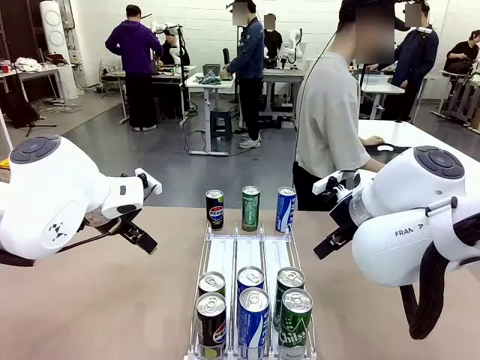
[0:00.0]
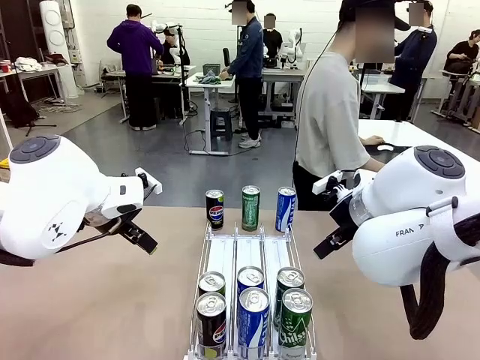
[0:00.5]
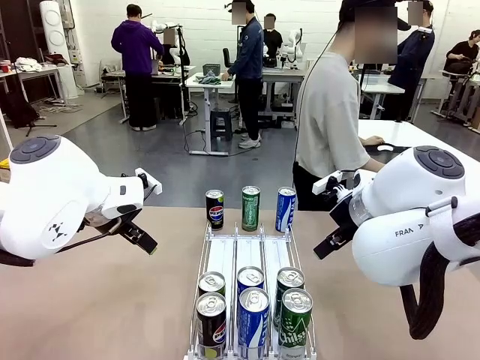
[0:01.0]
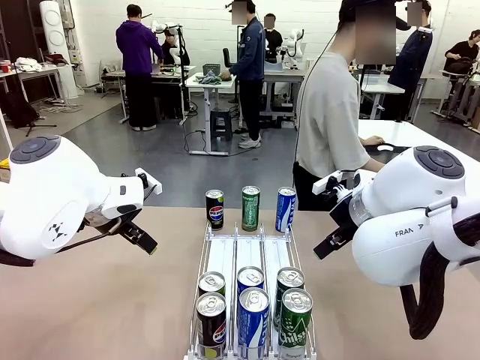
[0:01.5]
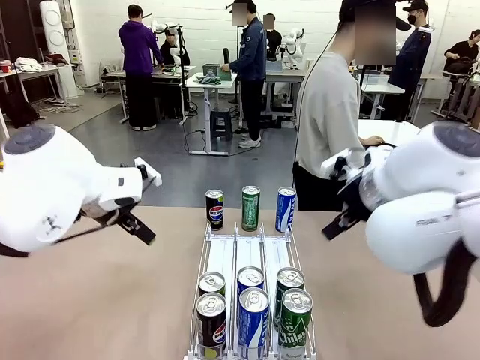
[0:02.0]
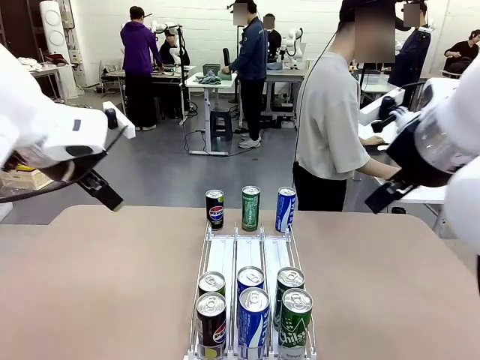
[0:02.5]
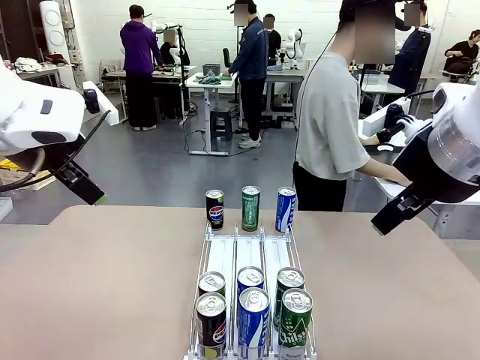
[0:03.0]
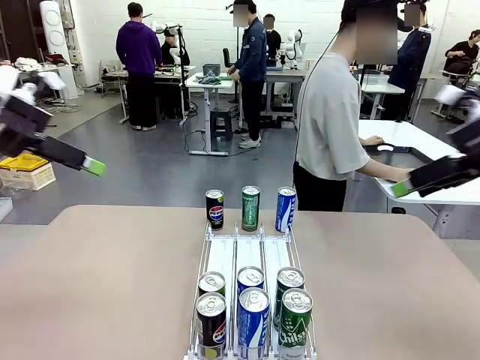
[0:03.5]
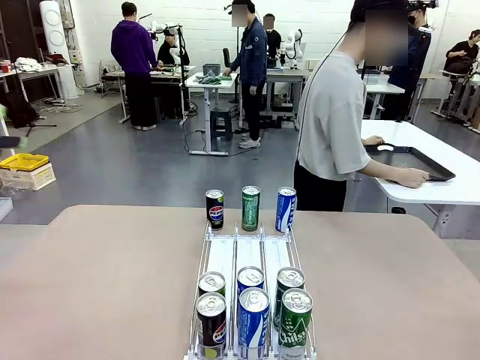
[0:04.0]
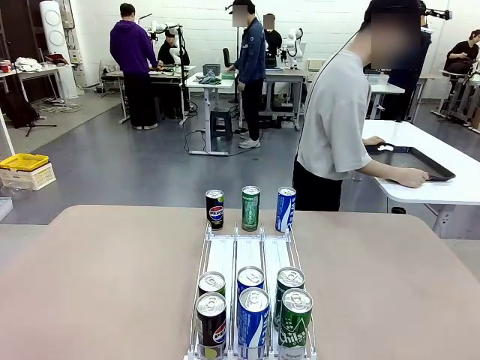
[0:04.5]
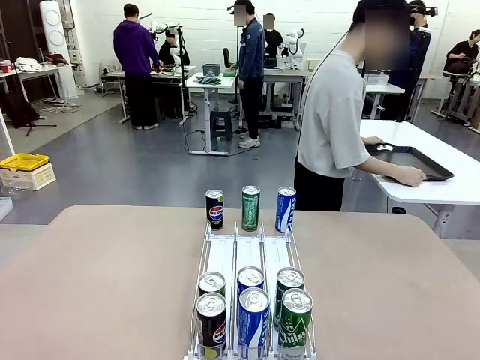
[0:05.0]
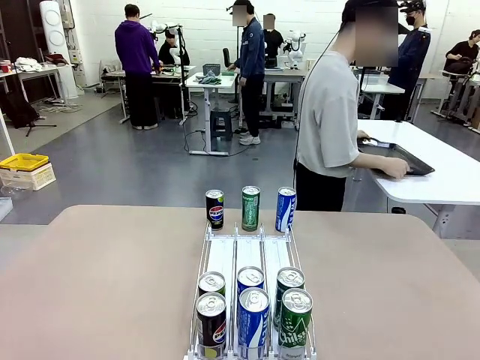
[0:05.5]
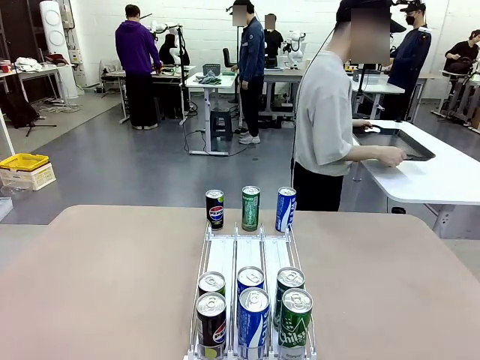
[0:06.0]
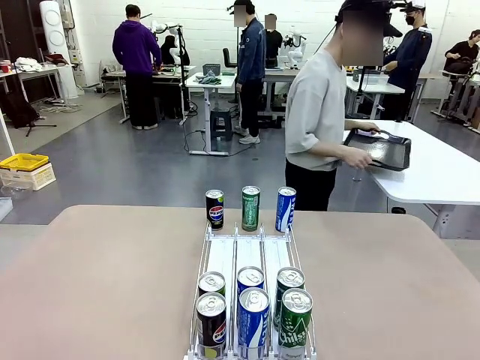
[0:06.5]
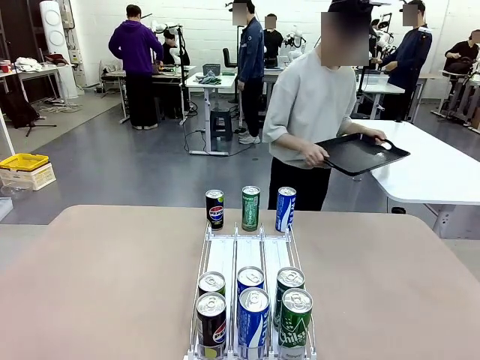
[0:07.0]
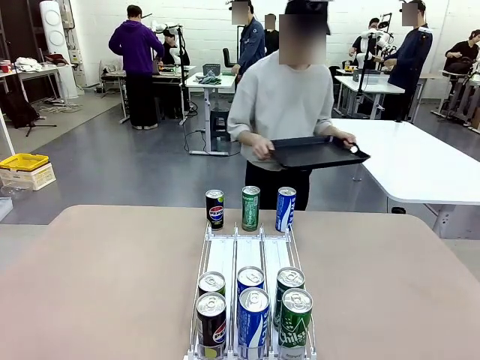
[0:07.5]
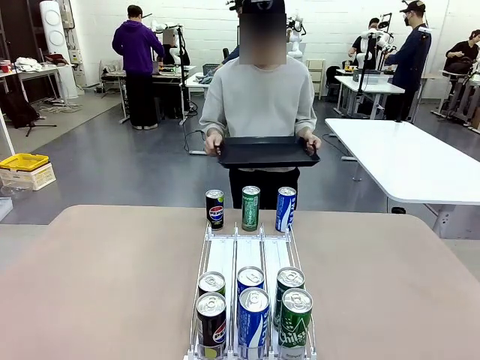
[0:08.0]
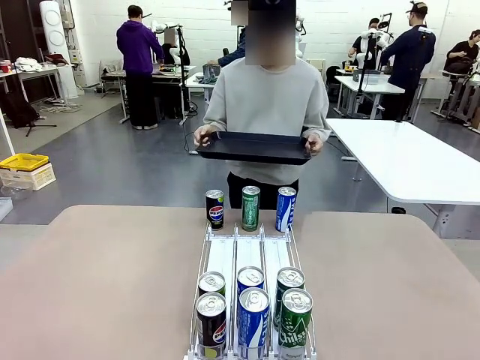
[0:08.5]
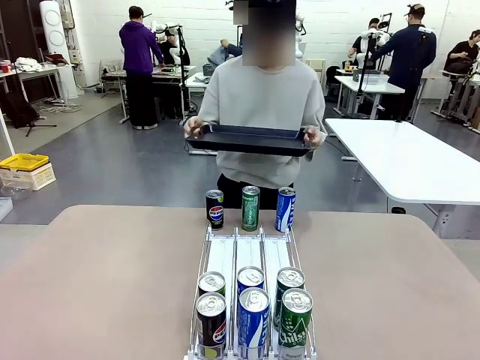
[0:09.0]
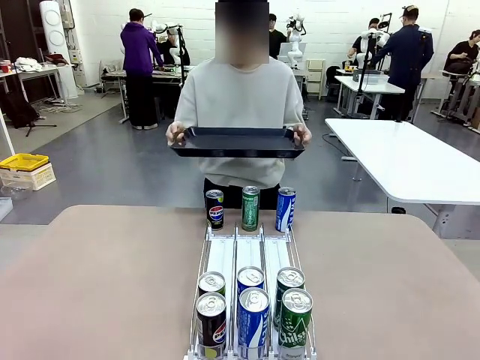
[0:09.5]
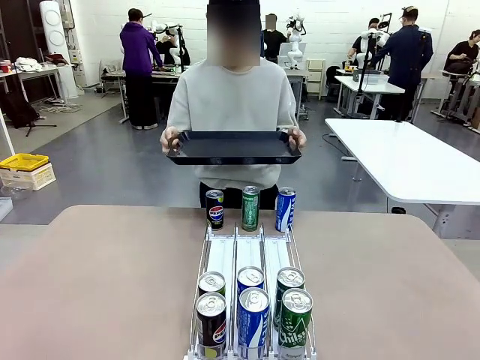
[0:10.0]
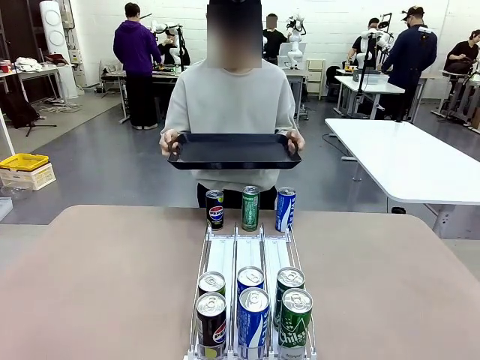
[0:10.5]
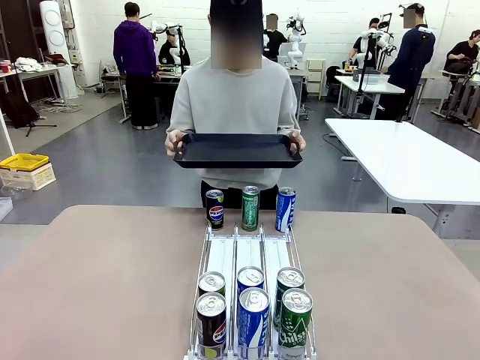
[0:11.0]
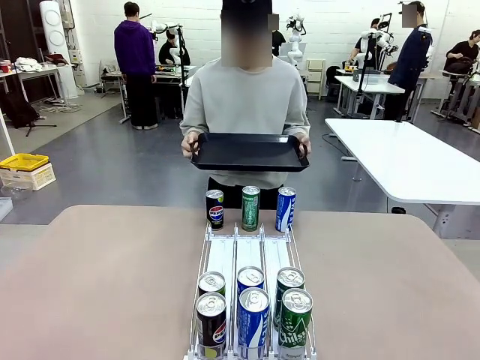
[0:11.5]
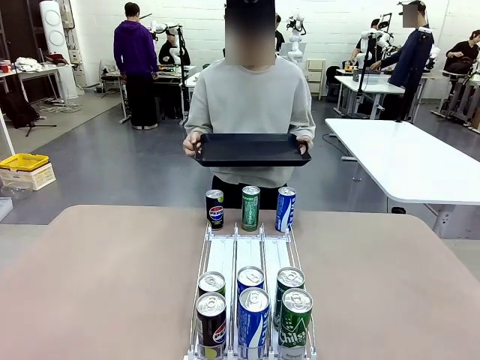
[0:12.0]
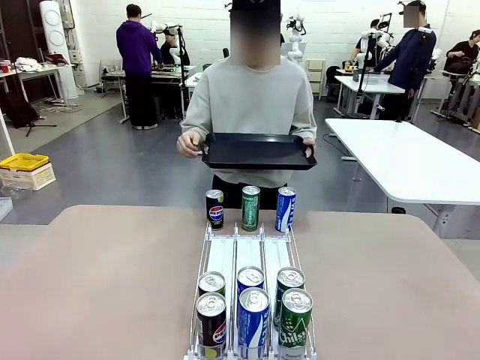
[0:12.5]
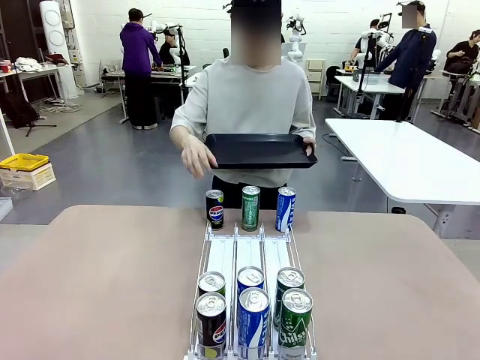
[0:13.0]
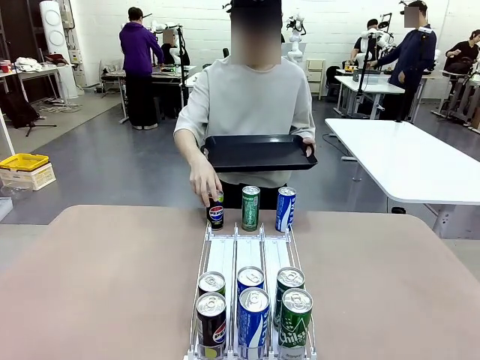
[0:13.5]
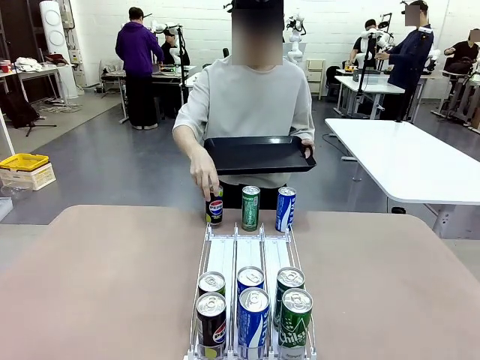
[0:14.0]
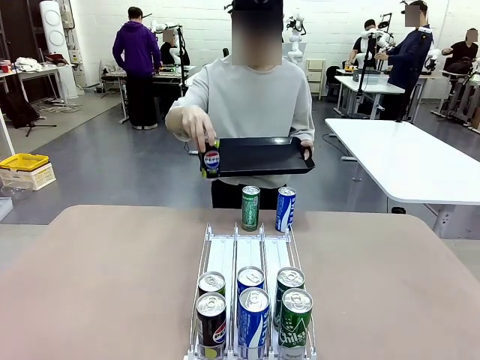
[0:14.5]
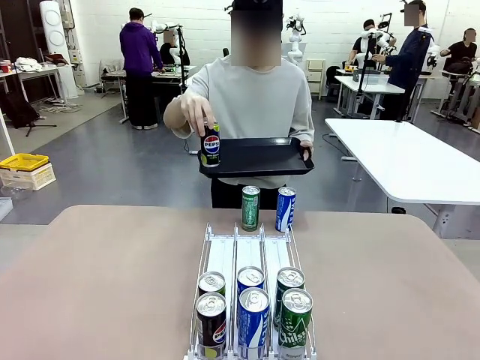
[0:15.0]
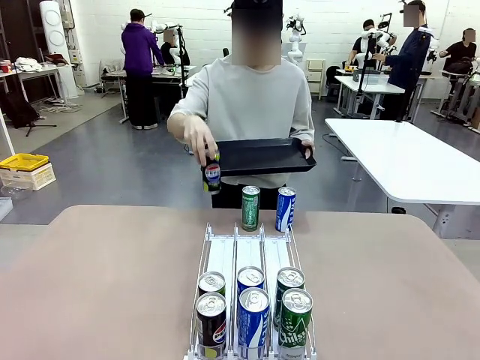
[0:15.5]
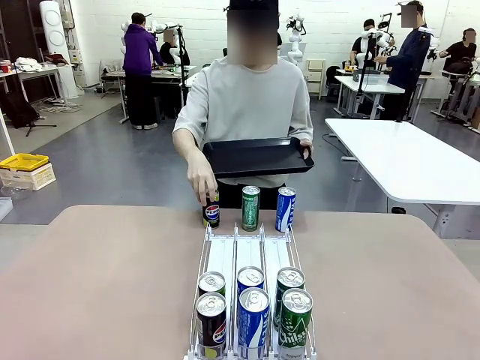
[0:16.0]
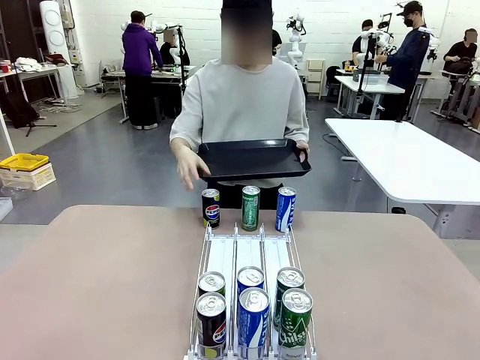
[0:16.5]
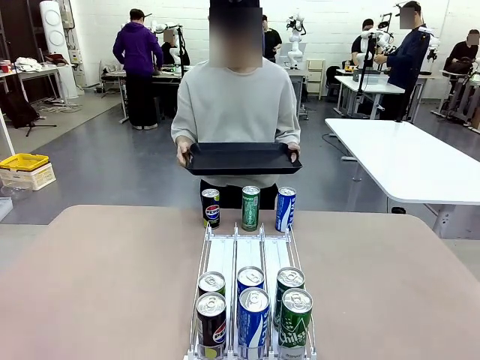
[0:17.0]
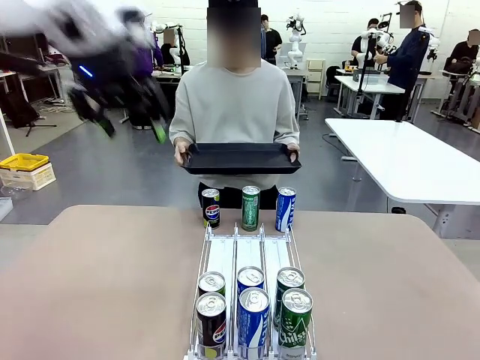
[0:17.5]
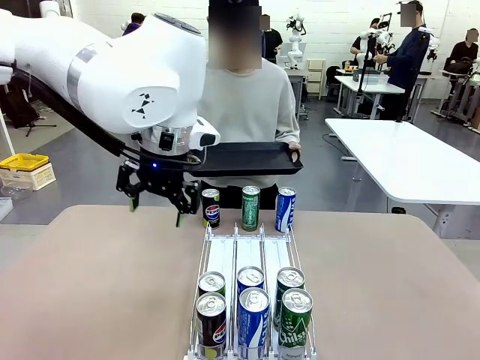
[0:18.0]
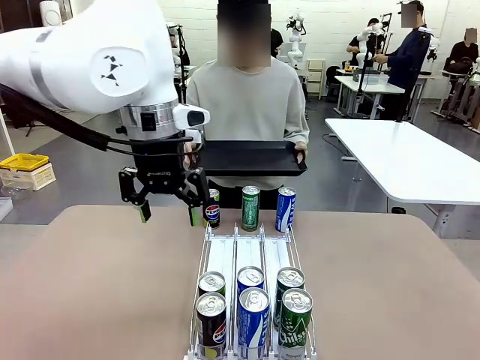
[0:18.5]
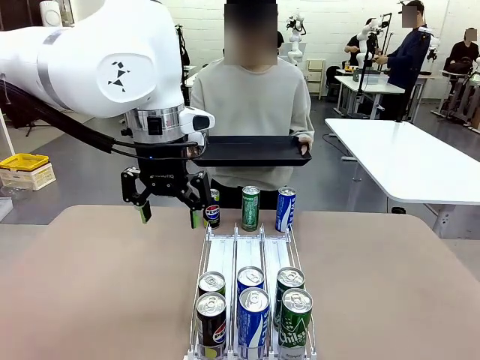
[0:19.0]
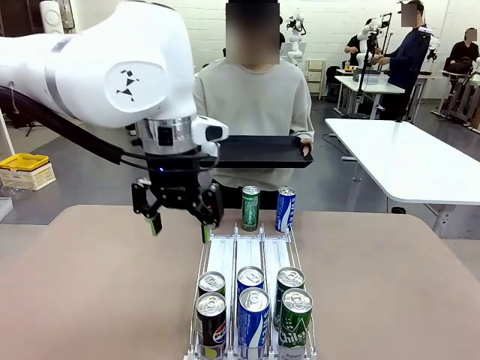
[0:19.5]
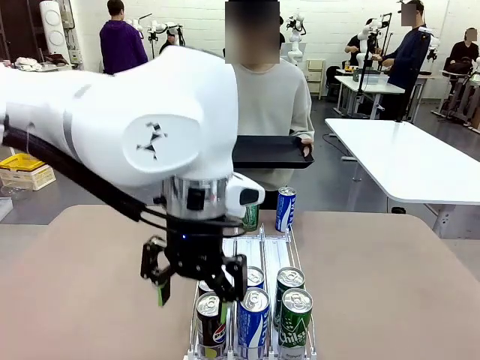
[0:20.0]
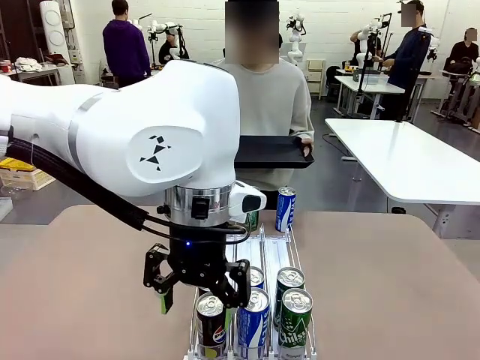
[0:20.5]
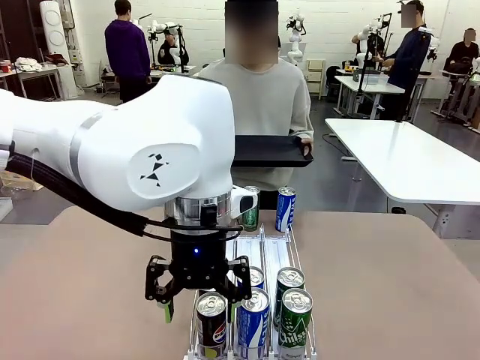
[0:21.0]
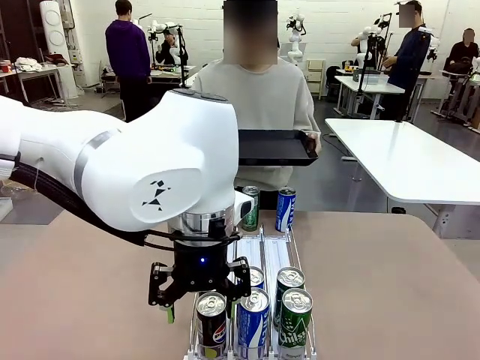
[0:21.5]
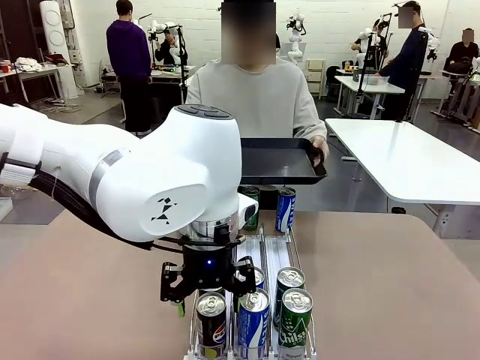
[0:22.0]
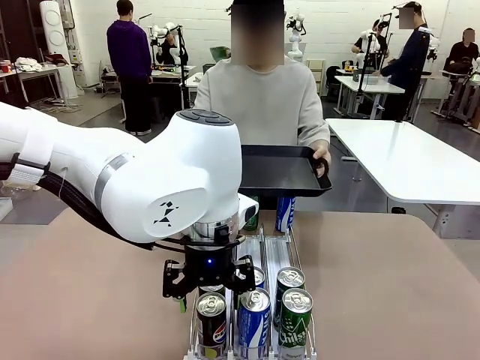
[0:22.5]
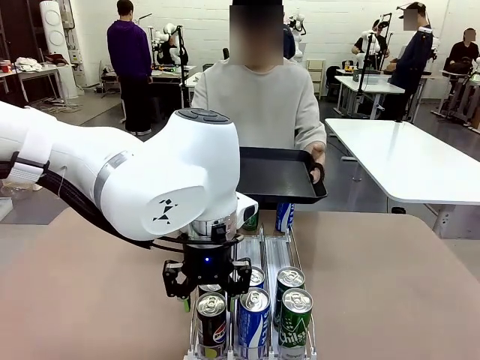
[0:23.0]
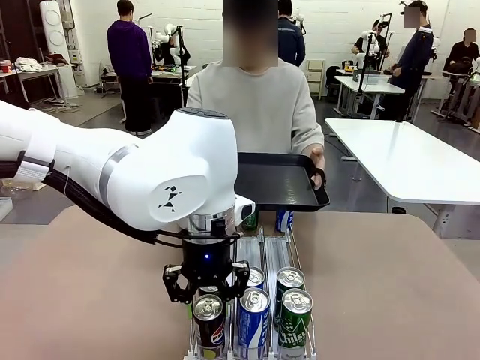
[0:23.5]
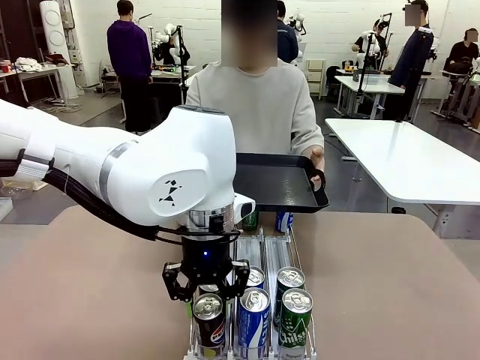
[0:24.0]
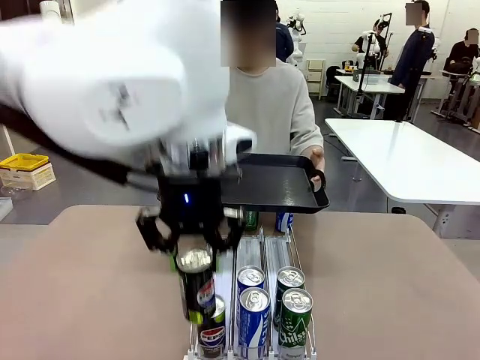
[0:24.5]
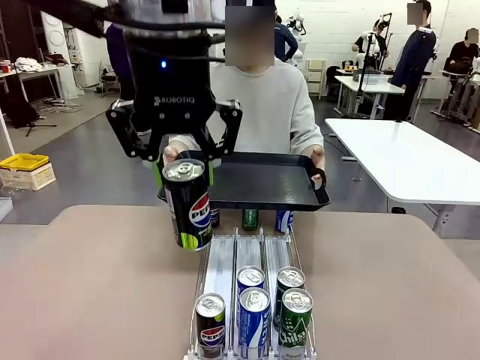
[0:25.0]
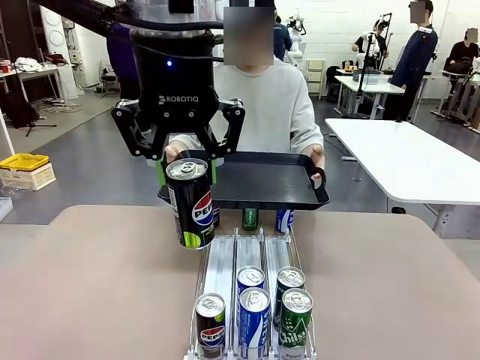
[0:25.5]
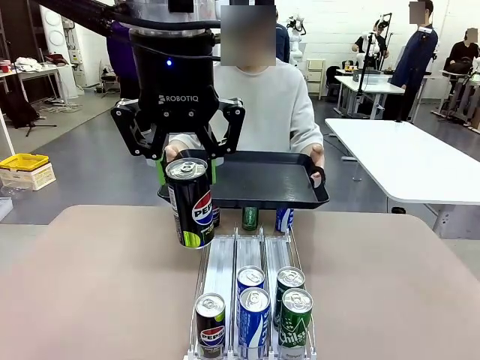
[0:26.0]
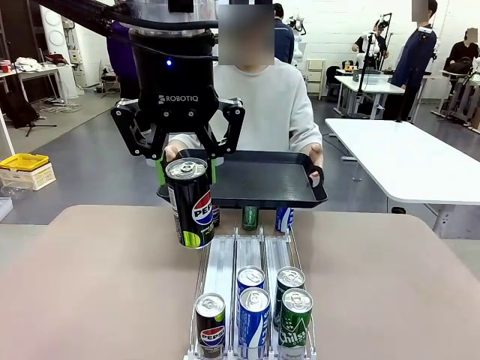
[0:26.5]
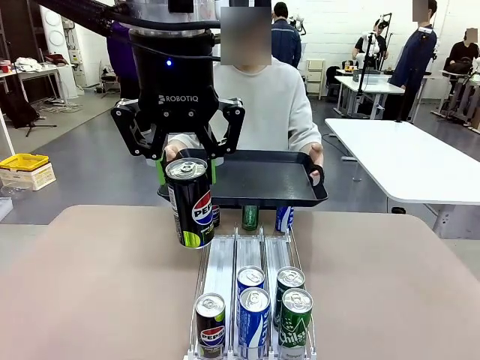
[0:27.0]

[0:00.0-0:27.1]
Task: Retrieve and hand over the desired beverage to the person.
Robot: Pick up a can of the same type that the person held from the Automatic Can Dispenser.
Person: Hold the tray and position yourself in front of the robot table. Pick up one can from the bottom area of the table and puts it back in its original place. Push the tray toward the robot.
